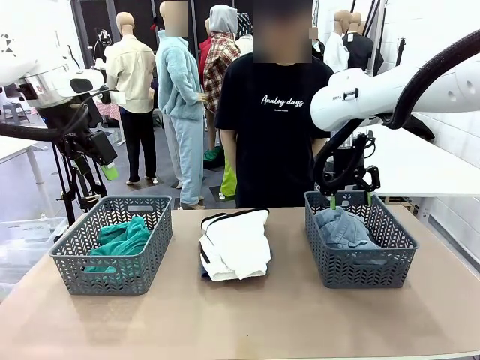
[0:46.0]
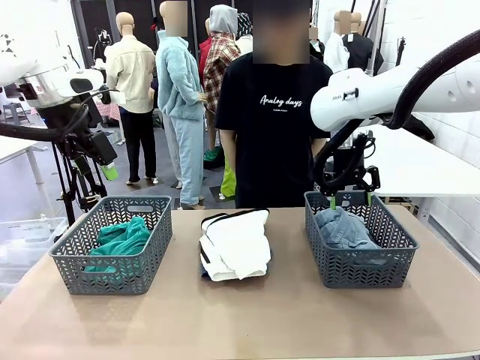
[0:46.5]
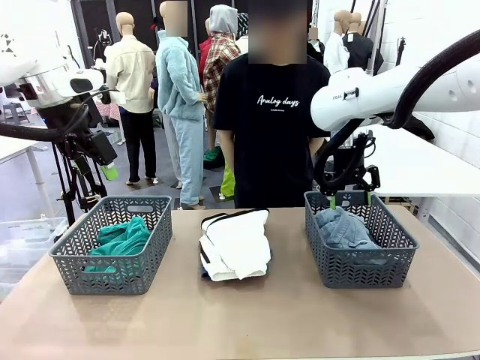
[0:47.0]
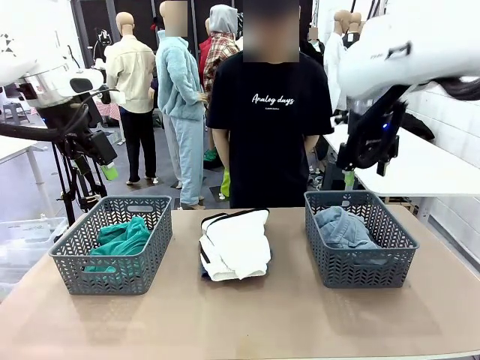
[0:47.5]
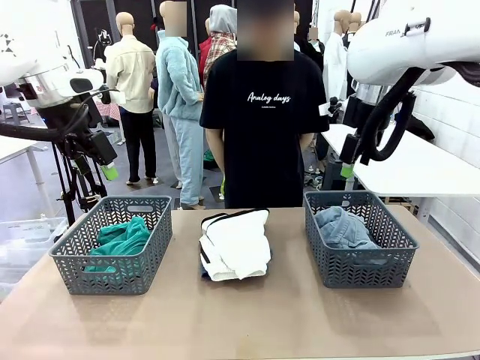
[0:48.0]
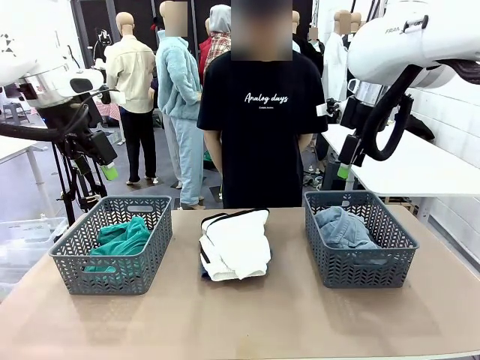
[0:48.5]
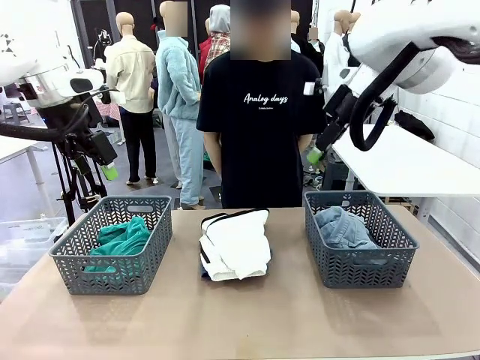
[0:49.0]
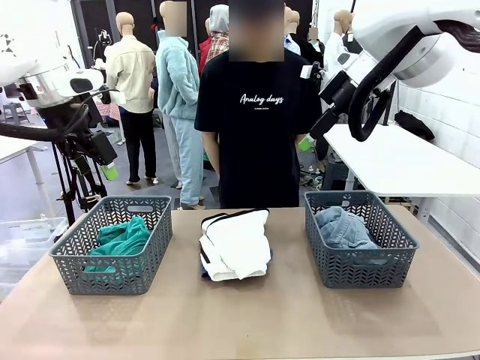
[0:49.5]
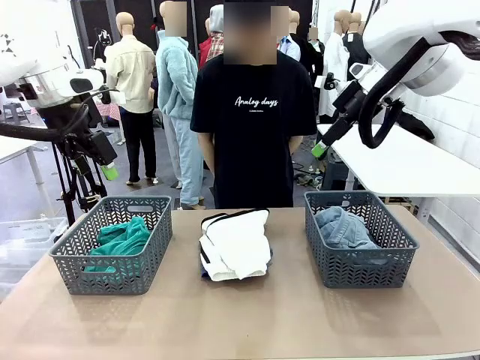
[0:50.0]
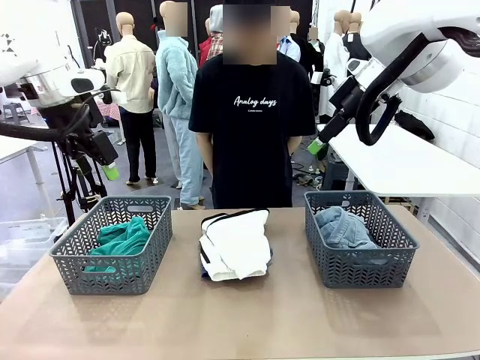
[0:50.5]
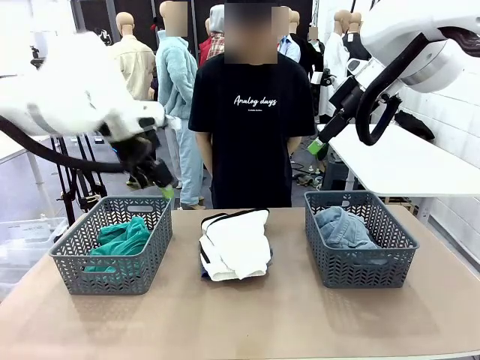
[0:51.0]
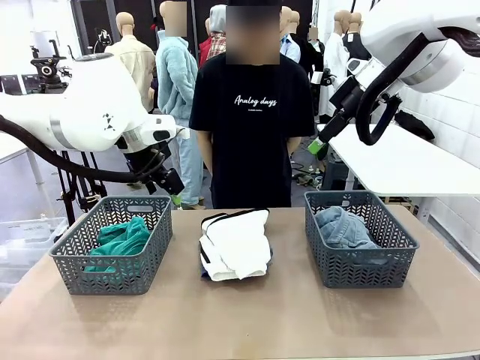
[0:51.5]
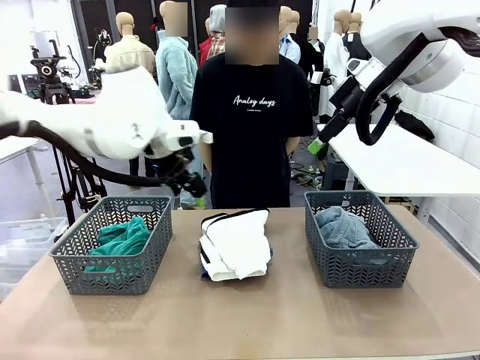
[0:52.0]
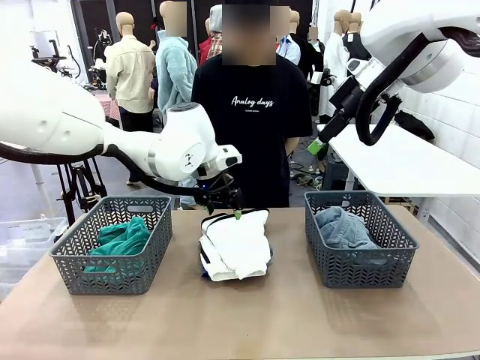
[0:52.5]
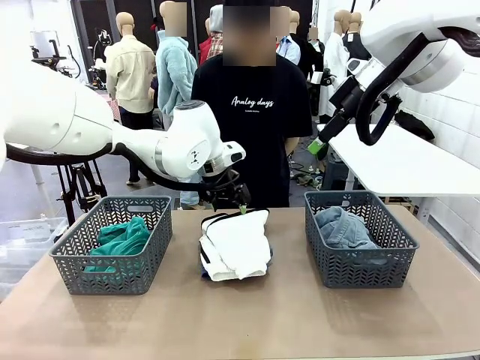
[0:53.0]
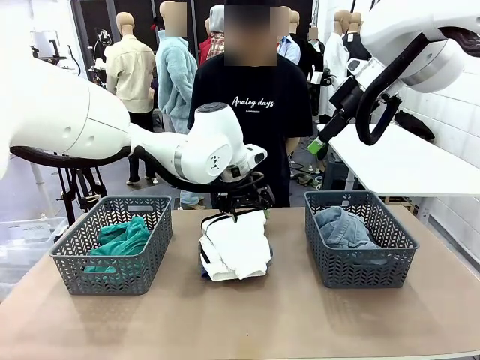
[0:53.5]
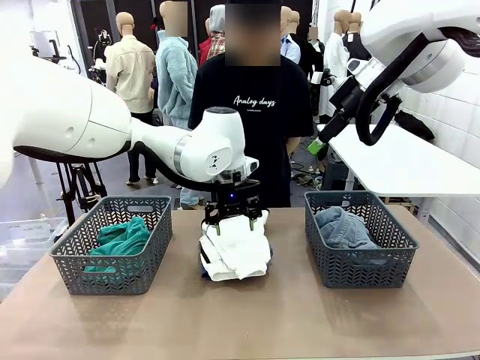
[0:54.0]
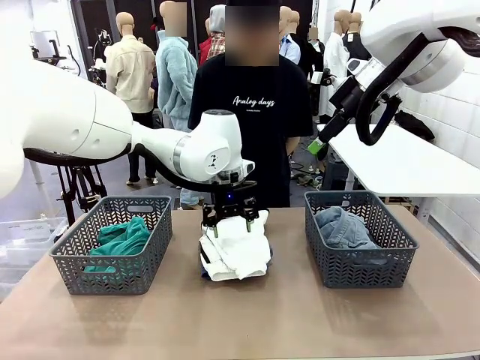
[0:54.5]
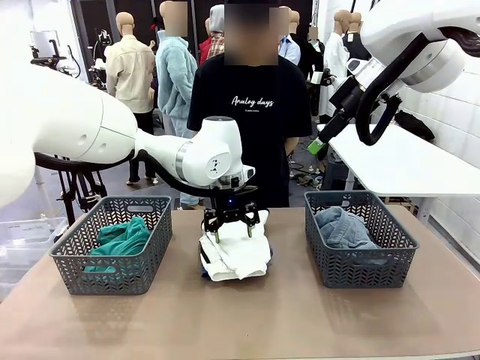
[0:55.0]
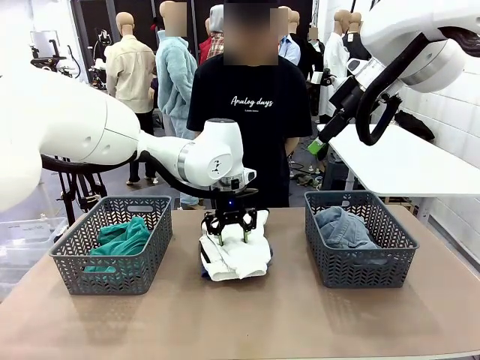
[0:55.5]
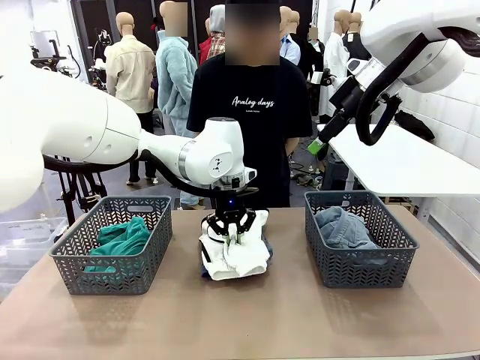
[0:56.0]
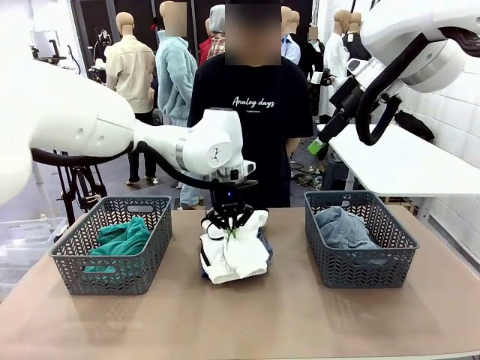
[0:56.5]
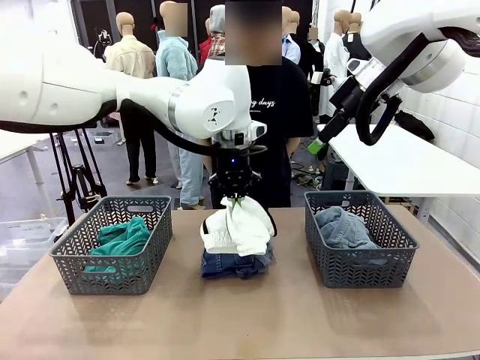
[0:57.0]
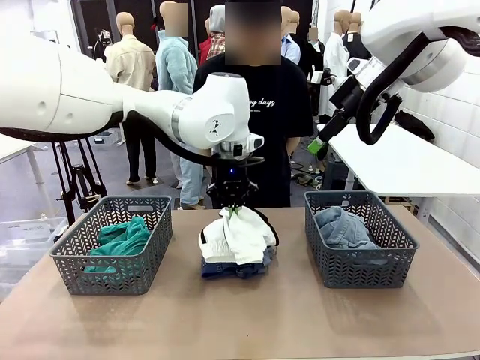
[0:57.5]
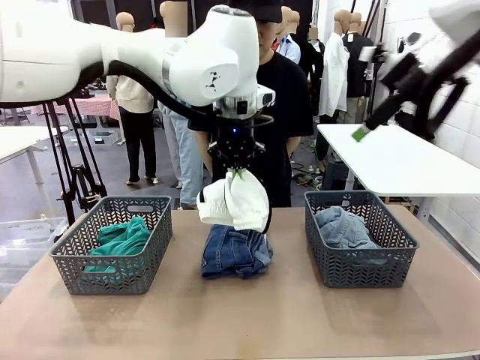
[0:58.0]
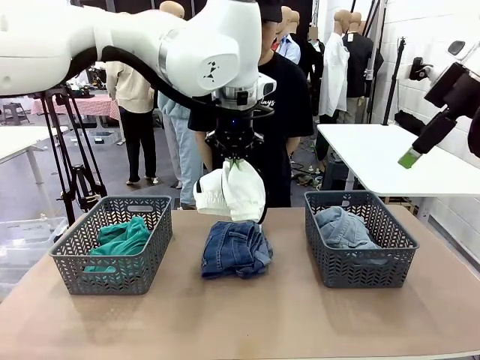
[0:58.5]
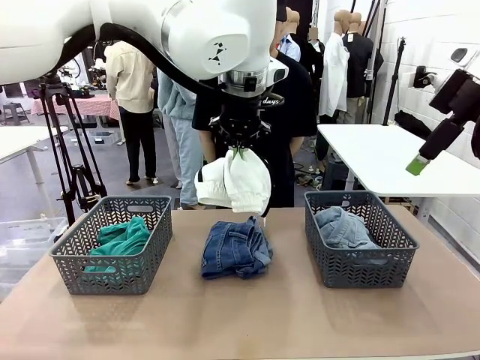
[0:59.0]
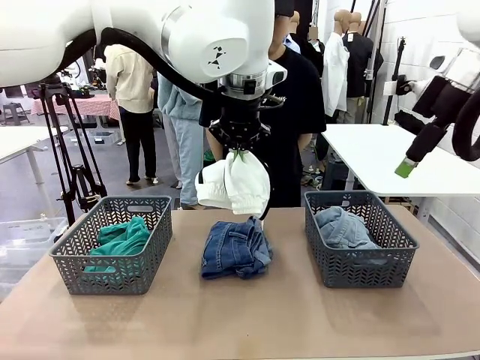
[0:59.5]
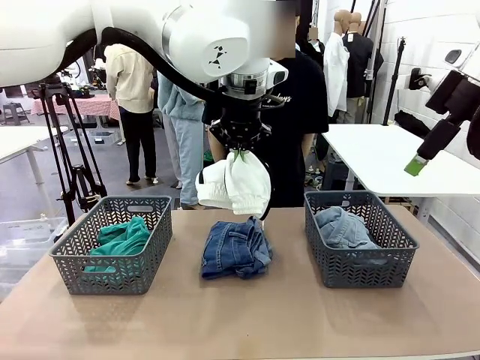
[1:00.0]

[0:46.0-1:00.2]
Task: Sort the tops and bottoms.
Robot: Lift clothes from the center of the table with your left hand.

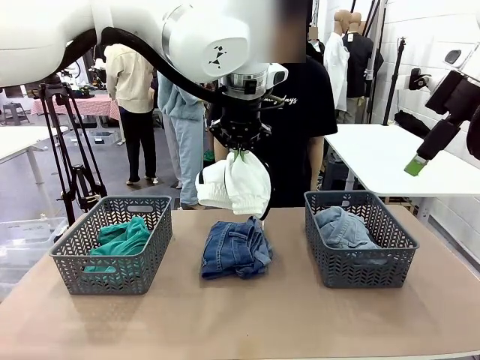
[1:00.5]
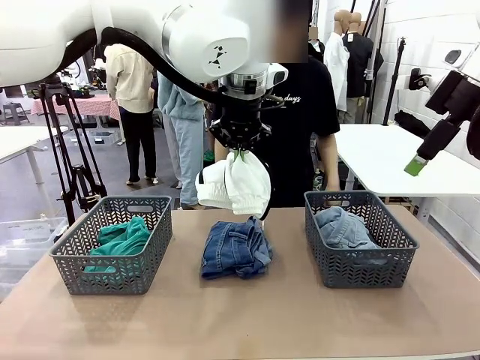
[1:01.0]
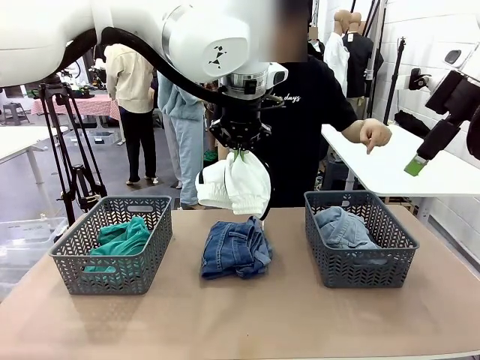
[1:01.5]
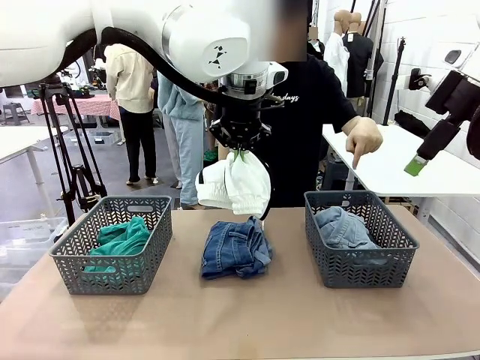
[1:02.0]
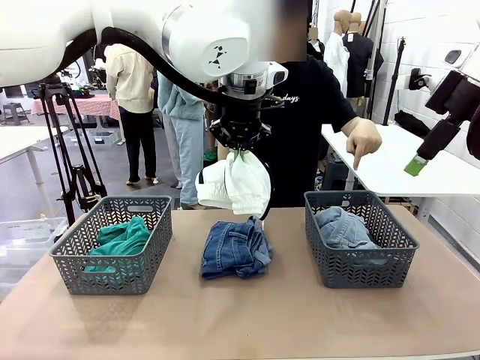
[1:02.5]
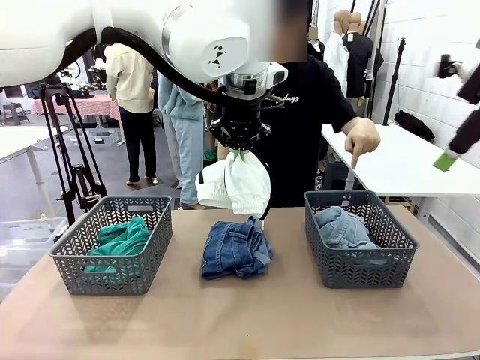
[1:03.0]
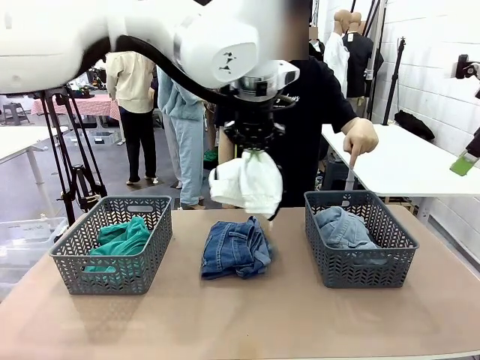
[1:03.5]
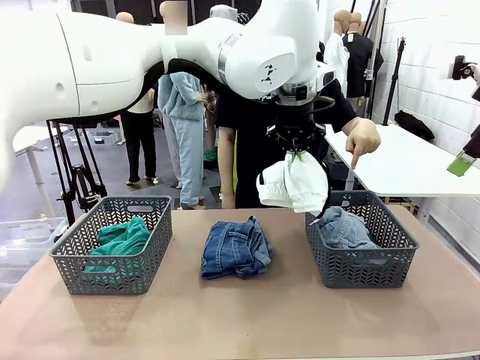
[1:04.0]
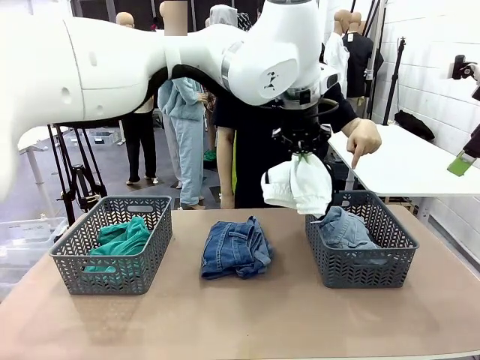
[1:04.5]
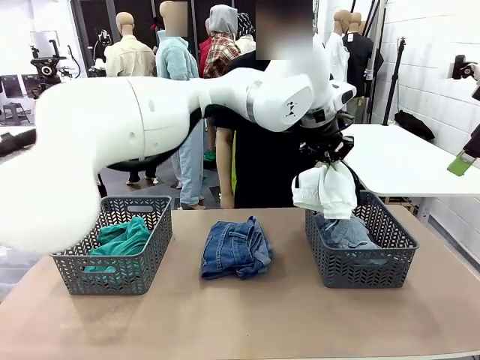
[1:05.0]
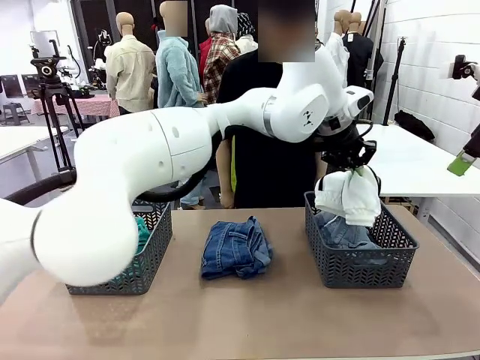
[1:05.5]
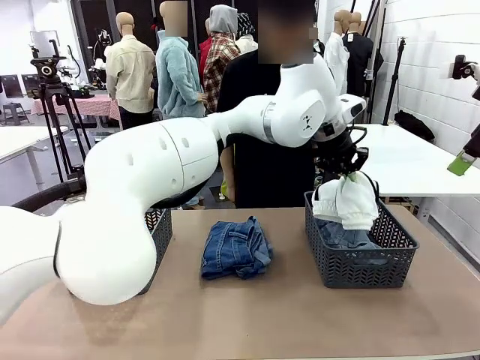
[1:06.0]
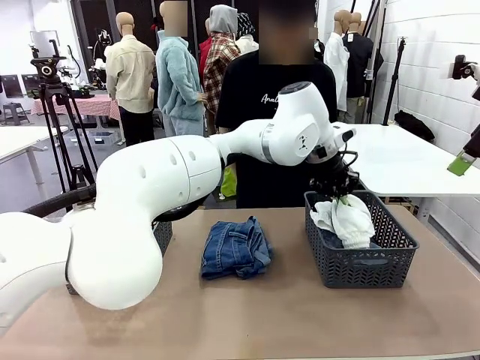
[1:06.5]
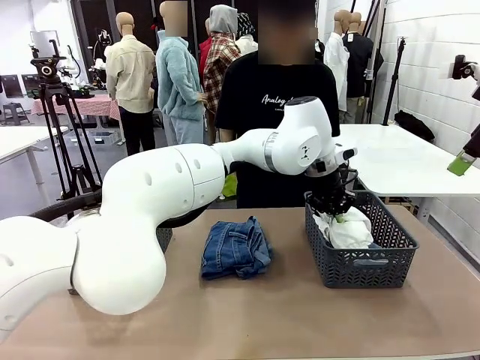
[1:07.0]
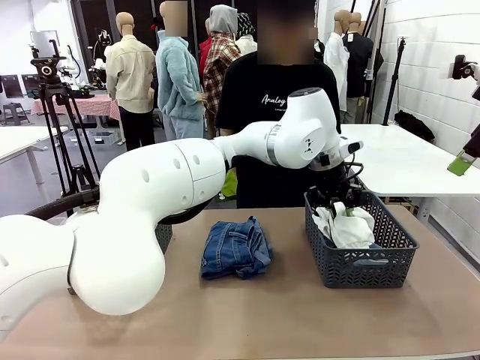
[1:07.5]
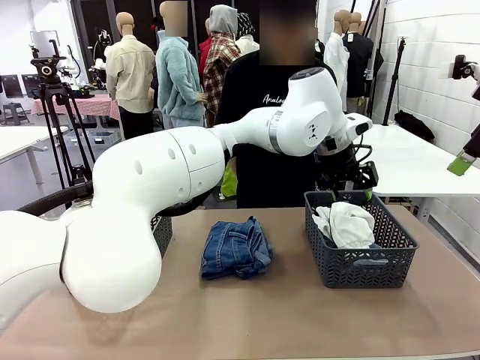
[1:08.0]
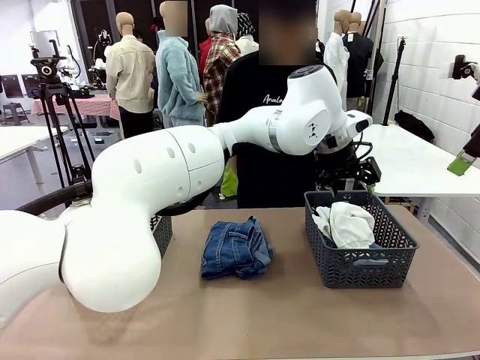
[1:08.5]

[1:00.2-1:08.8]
Robot: Sort the clothes according to human instructions.
